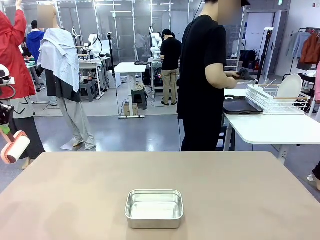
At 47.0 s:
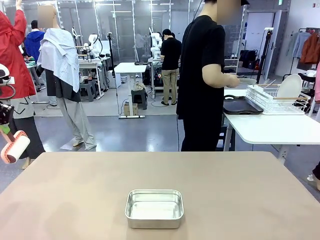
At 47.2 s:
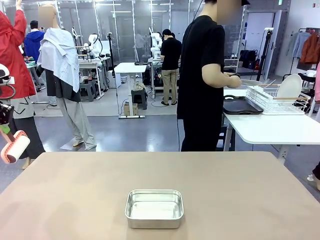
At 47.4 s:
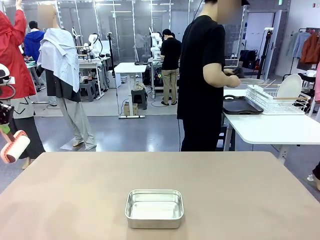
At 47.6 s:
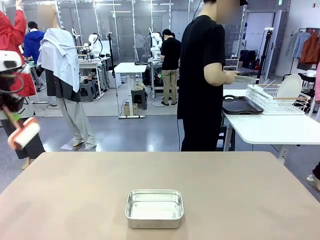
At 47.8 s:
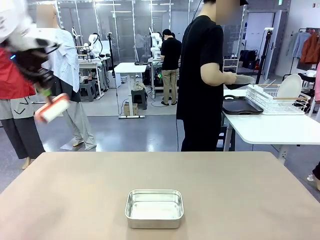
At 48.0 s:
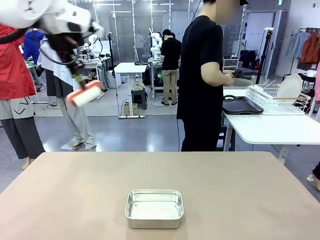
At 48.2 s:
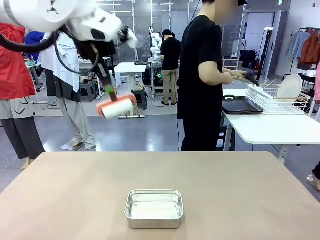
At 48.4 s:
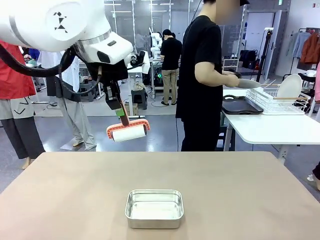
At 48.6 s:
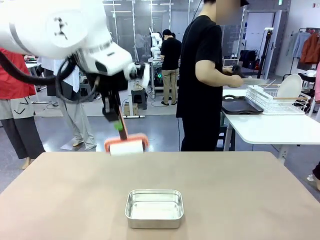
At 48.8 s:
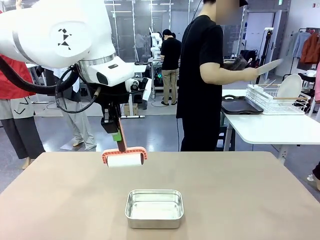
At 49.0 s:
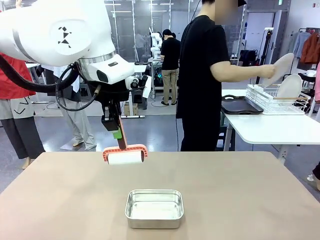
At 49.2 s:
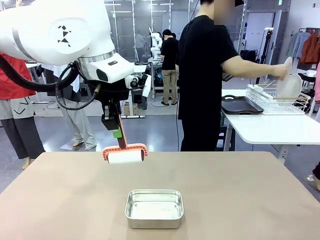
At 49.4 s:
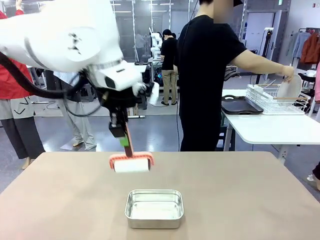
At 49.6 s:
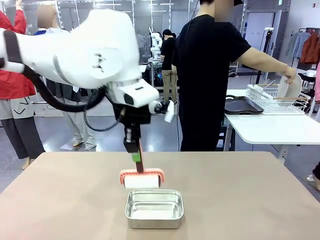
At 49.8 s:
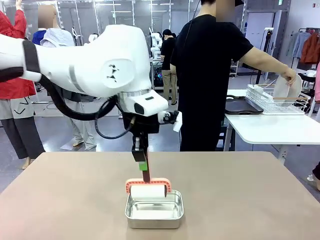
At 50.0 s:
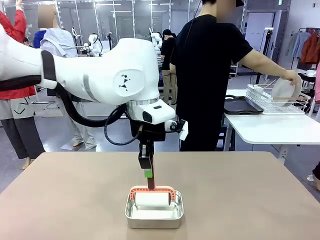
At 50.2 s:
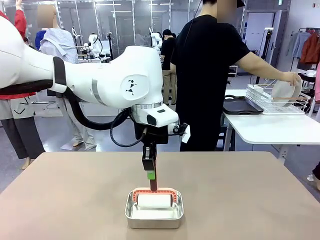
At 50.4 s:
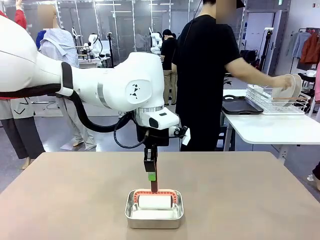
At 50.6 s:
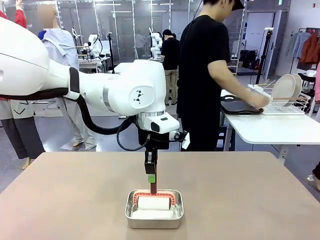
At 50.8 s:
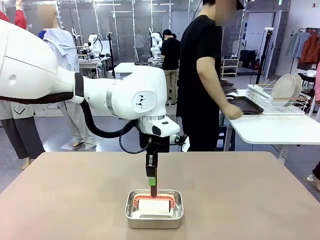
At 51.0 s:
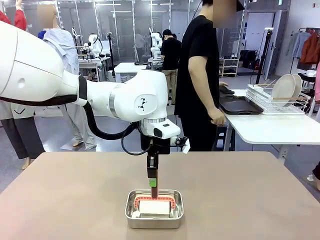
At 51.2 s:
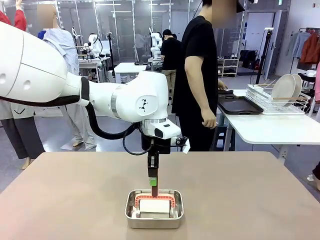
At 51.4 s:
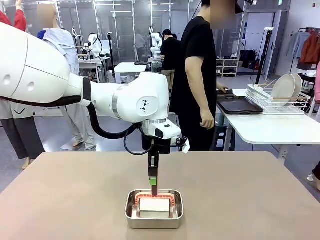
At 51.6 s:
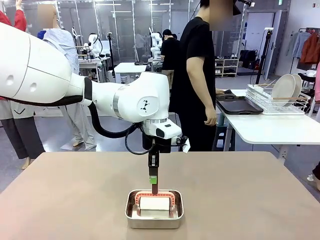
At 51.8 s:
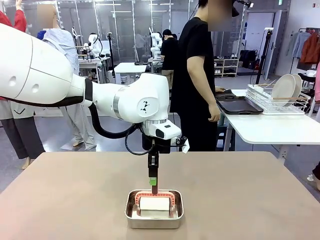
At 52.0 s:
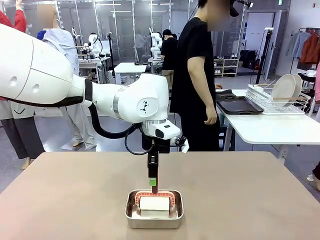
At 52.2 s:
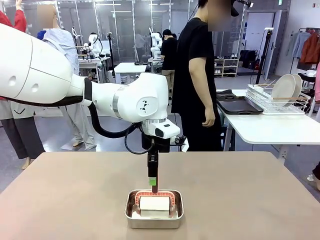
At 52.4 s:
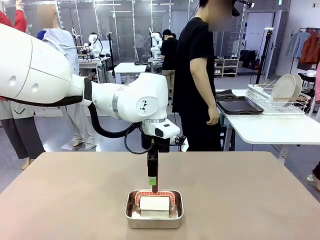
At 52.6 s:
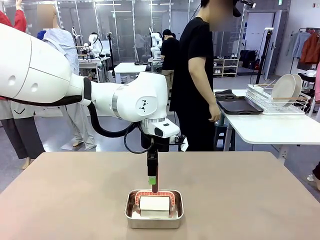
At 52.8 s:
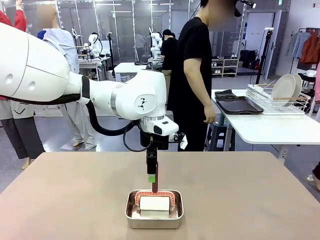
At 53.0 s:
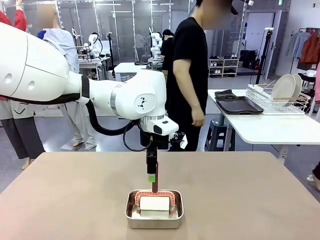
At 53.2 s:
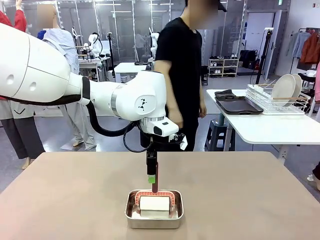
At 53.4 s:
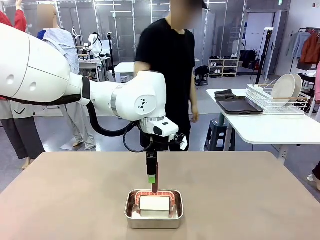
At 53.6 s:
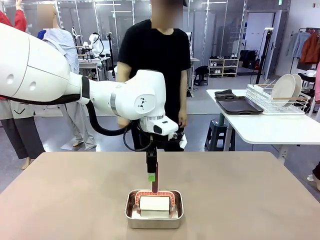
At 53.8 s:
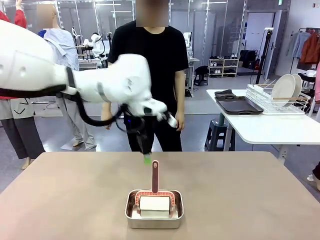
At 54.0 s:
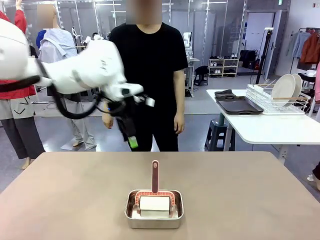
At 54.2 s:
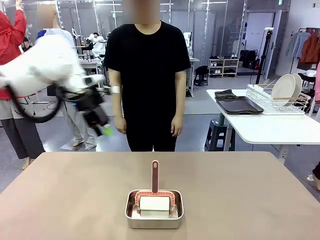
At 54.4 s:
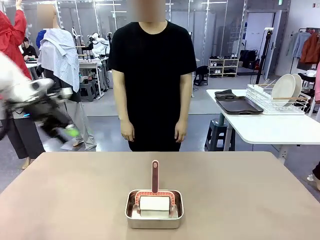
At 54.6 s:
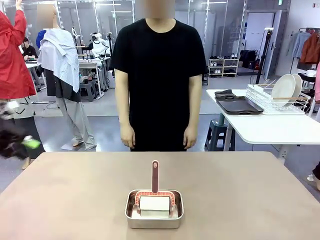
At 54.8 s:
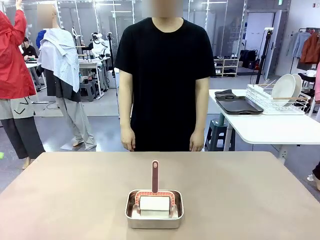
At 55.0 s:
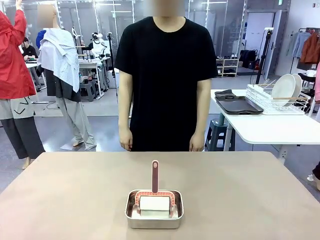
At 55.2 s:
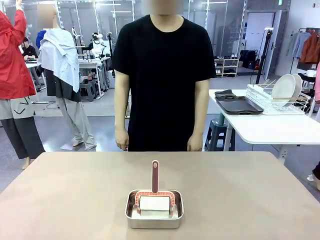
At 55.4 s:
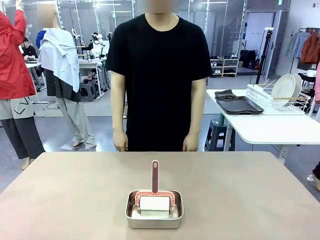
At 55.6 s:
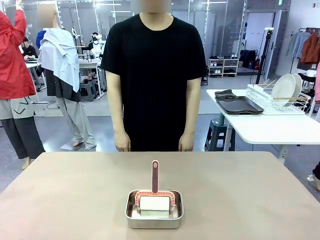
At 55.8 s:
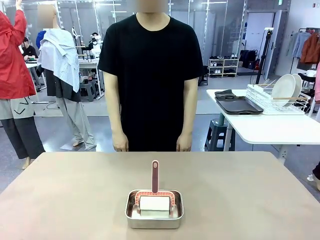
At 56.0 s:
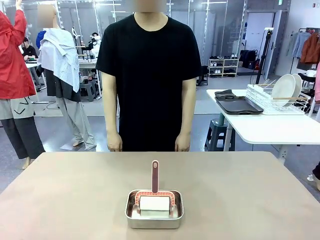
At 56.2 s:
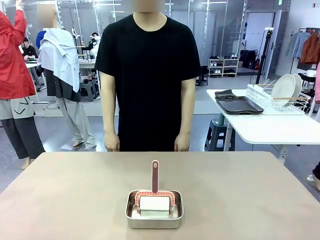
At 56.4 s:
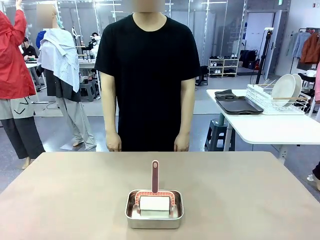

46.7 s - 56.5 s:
Robot: Place the Lint Roller back on top of the Airtight Container.

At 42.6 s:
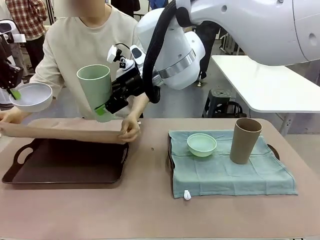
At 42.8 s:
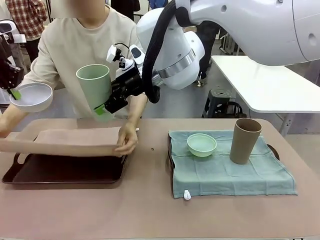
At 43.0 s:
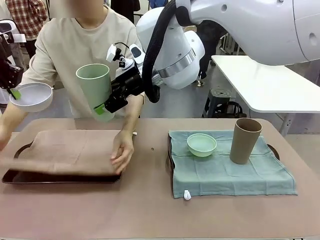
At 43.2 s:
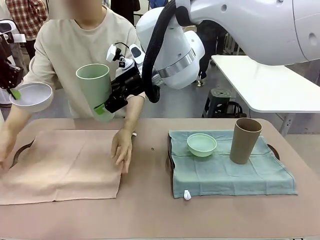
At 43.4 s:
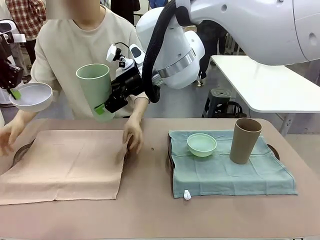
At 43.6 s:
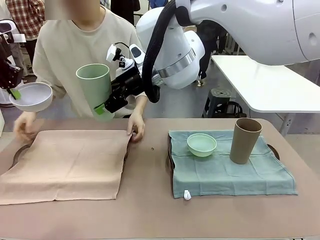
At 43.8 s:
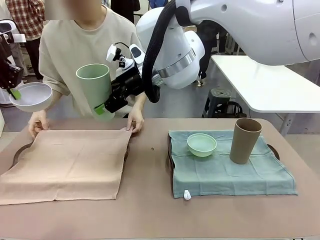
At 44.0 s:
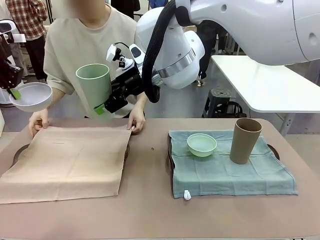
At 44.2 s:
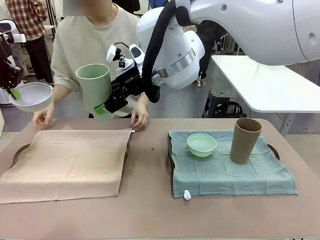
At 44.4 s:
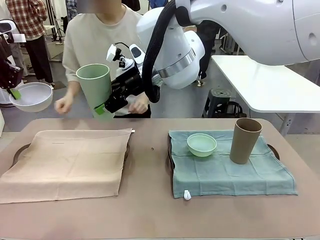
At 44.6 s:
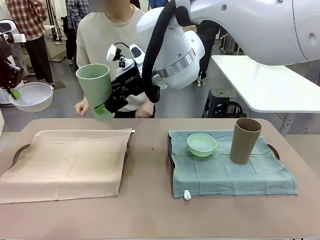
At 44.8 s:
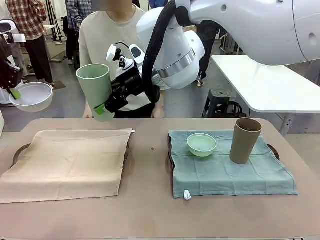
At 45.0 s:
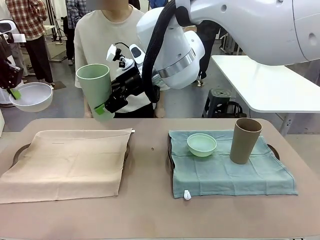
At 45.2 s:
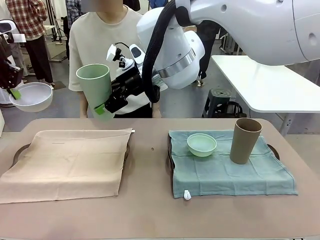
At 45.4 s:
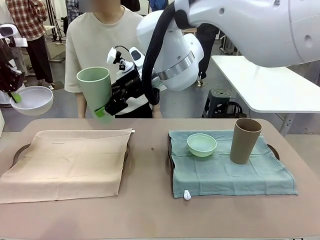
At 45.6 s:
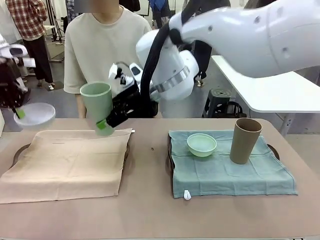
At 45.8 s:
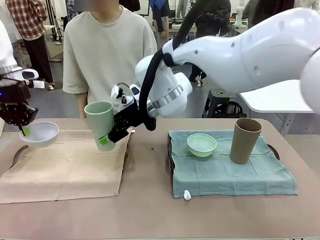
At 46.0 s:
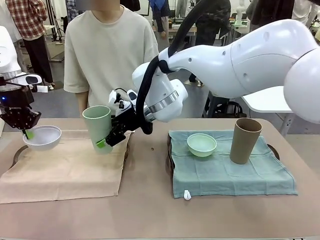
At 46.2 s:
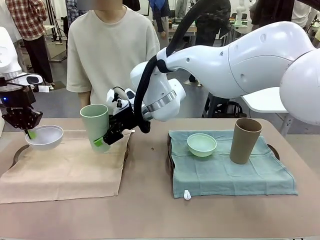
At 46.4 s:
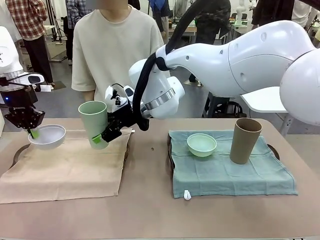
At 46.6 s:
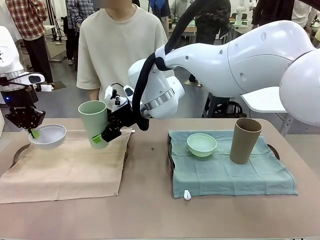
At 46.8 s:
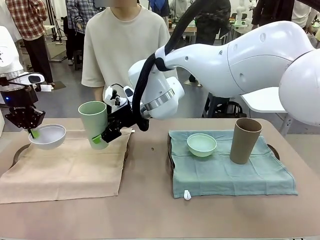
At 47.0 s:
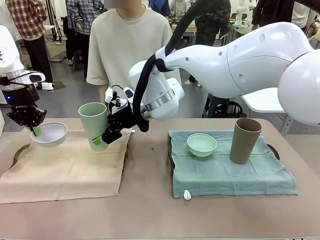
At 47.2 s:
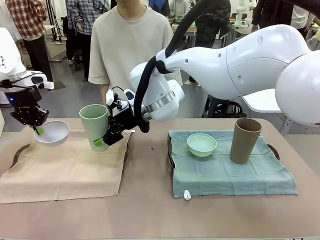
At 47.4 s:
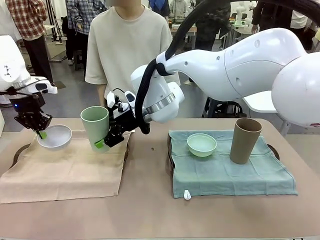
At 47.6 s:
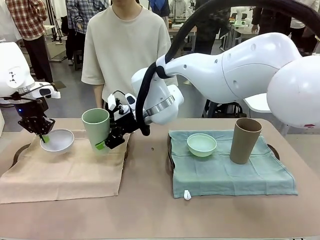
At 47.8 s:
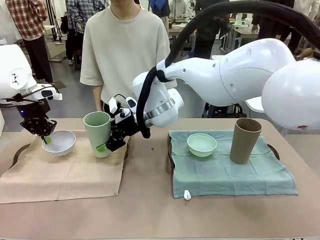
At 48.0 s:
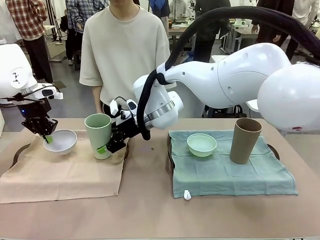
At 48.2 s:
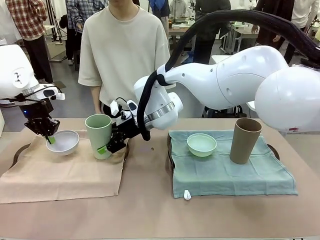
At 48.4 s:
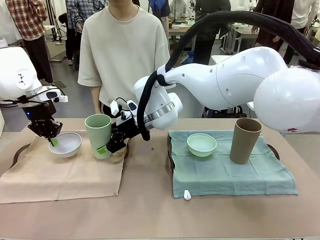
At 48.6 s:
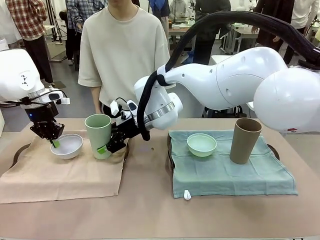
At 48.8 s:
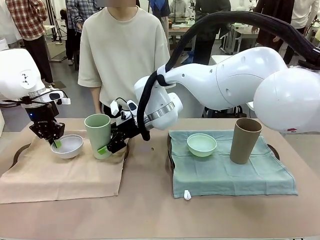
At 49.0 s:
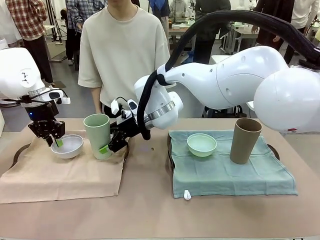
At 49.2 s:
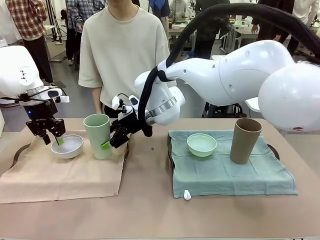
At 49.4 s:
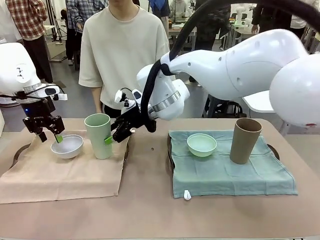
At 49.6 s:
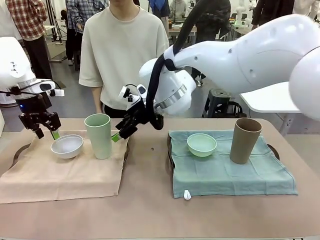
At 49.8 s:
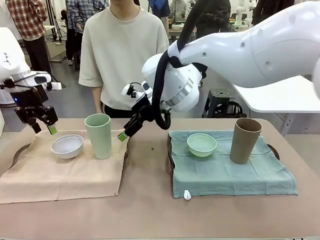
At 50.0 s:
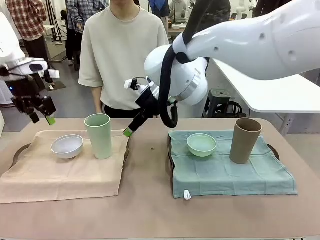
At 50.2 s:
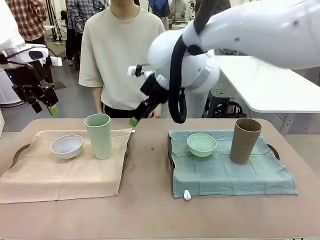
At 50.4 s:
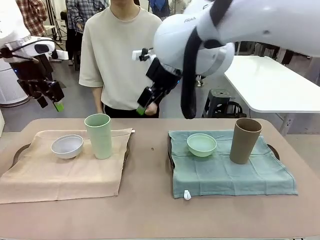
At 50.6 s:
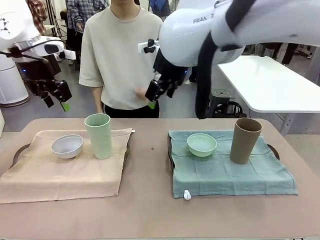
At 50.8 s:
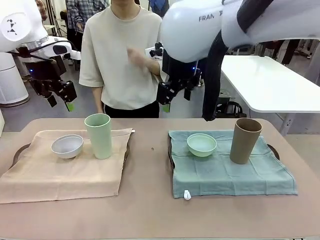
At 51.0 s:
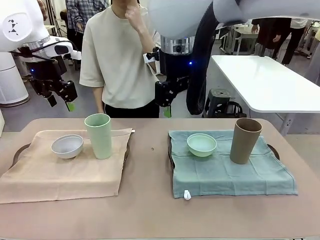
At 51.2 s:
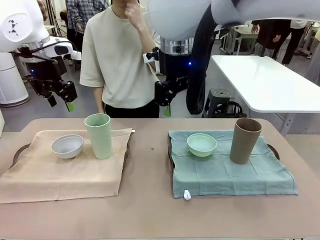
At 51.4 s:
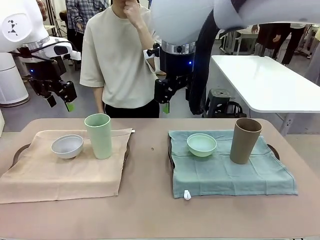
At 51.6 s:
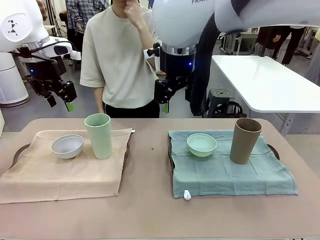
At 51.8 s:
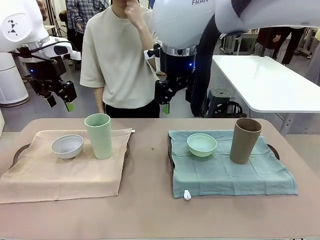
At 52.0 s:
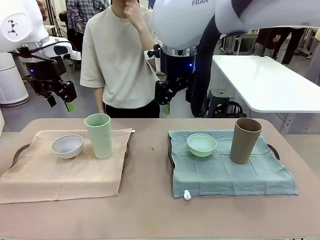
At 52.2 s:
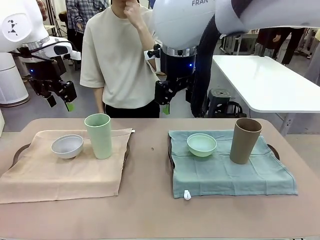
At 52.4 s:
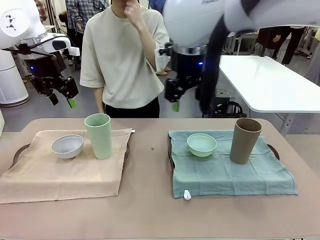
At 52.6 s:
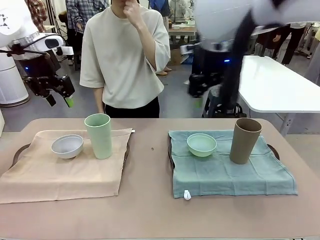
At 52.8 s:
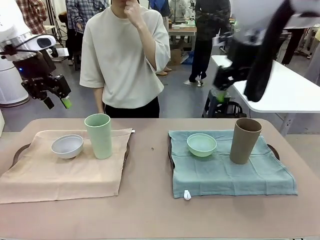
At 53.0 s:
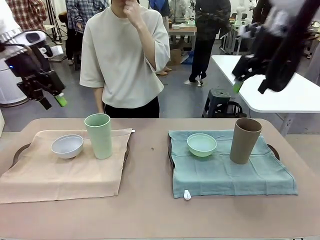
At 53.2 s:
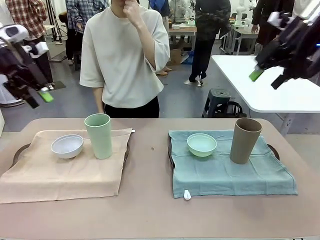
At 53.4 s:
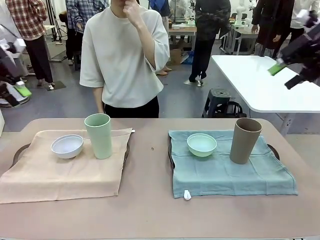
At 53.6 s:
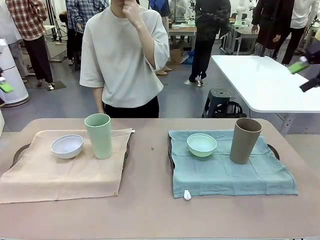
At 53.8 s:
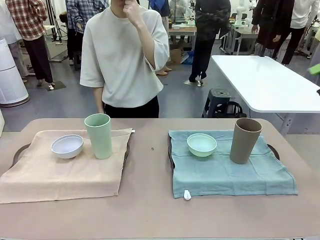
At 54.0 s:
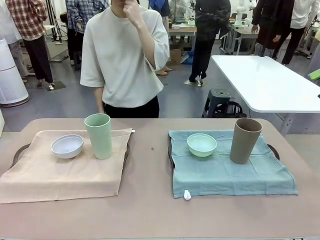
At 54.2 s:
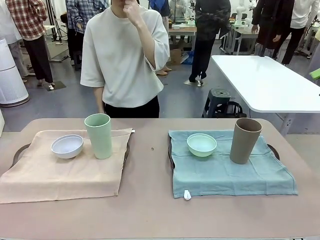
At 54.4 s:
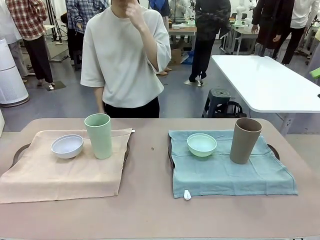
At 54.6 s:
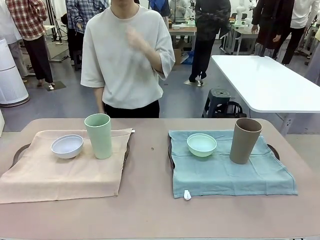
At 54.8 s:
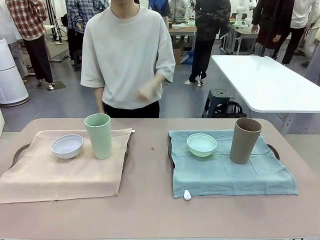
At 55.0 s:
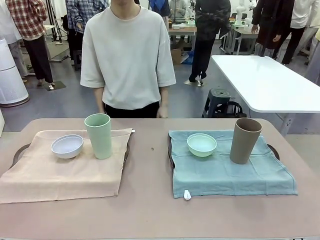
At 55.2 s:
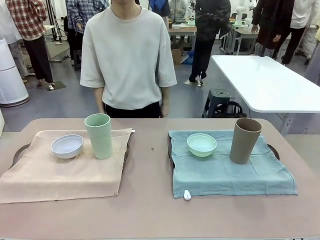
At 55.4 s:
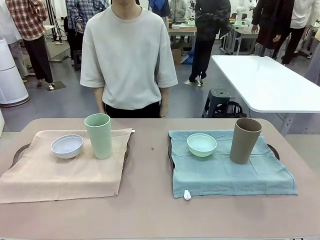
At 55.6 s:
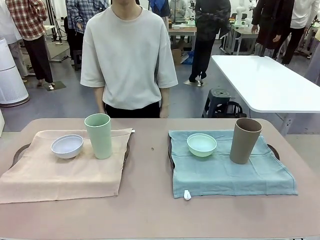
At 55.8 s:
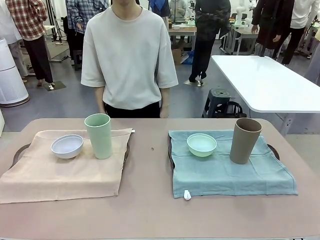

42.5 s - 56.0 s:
Robot: Place the Picnic Bowl and Reusable plastic cup back onto the Handle tray in front of the human's position.
Person: When the robot lifts the bowl and the cup, the human unfolds the napkin and lays the napkin flat on the tray.
